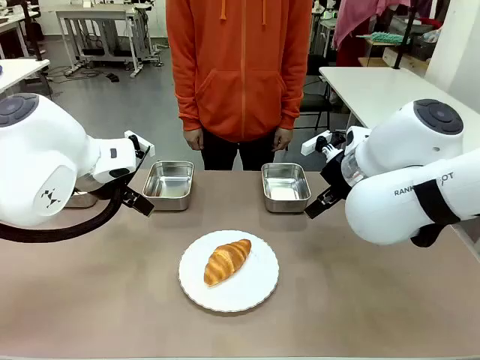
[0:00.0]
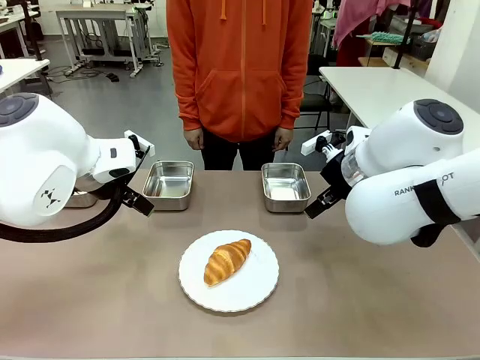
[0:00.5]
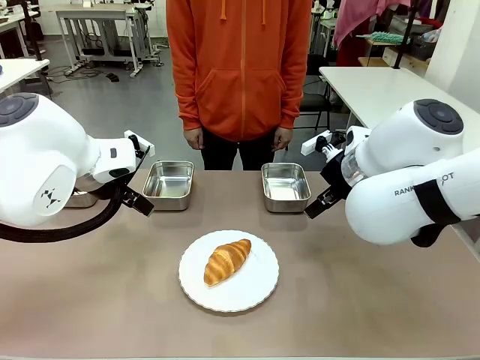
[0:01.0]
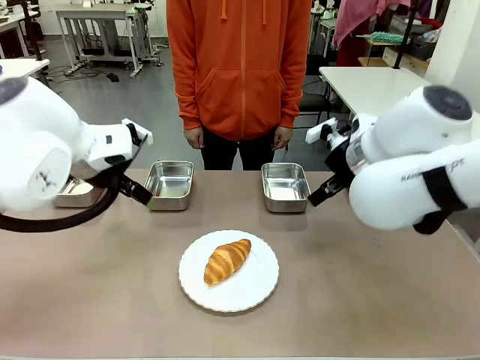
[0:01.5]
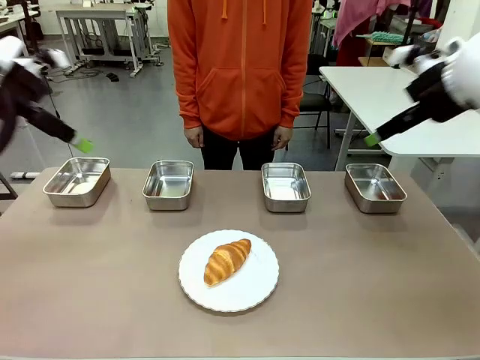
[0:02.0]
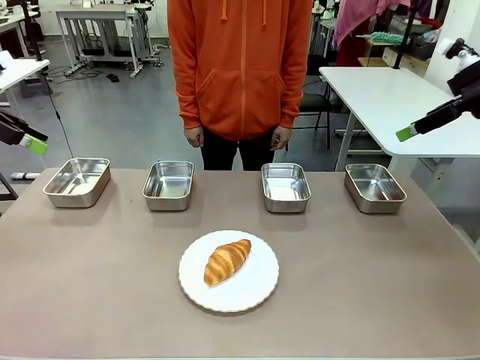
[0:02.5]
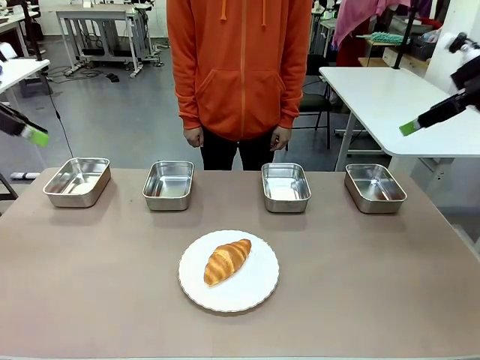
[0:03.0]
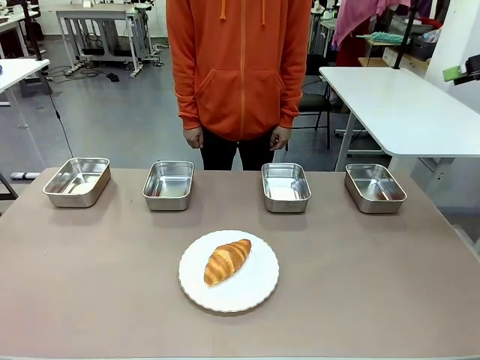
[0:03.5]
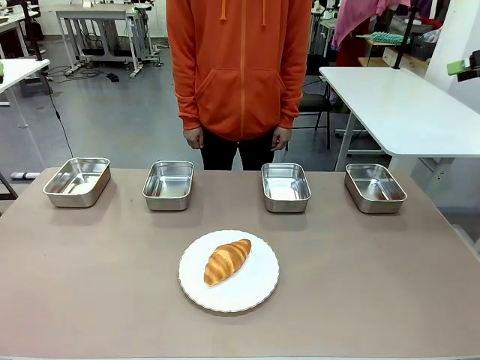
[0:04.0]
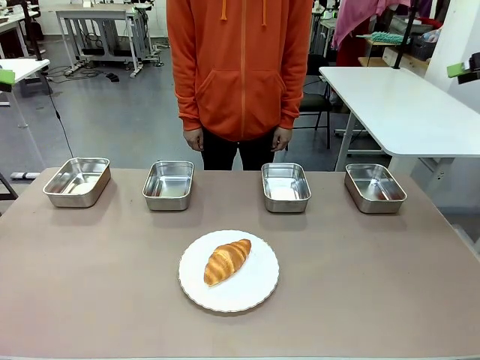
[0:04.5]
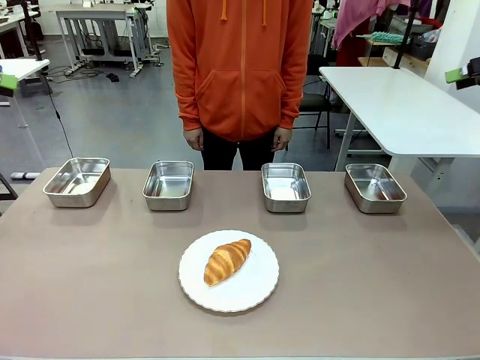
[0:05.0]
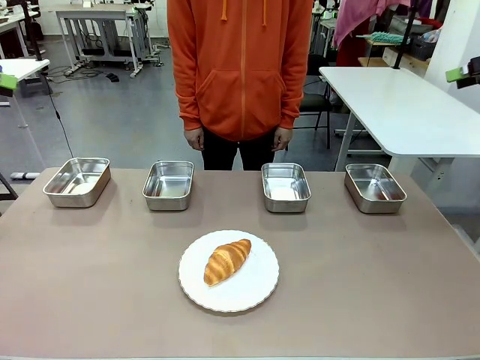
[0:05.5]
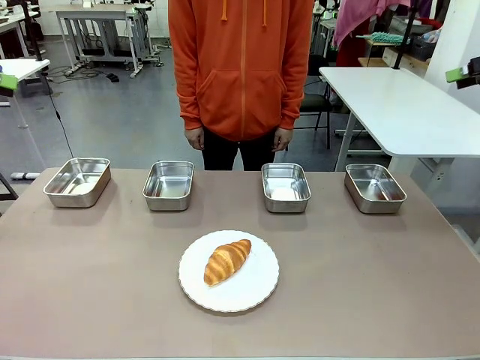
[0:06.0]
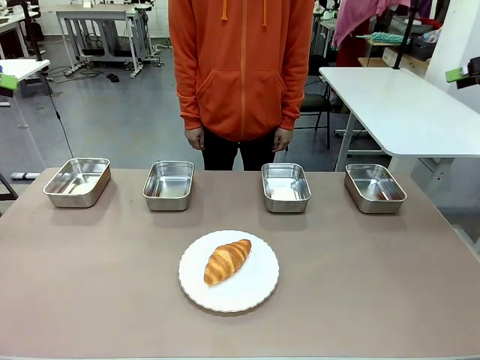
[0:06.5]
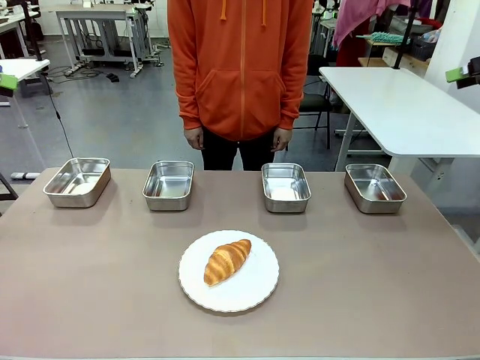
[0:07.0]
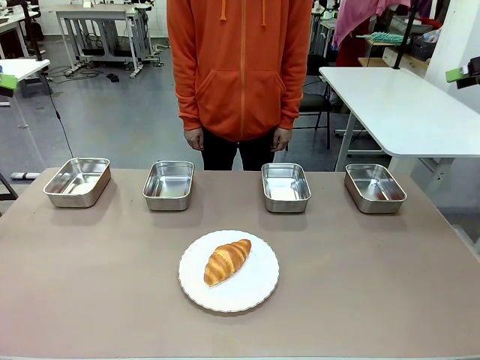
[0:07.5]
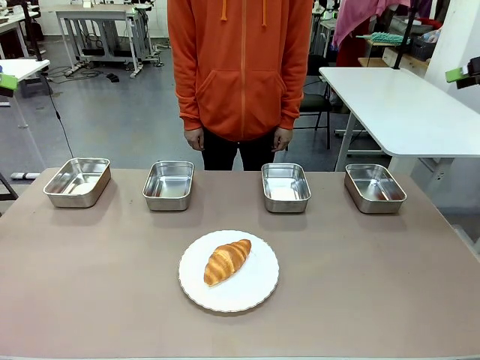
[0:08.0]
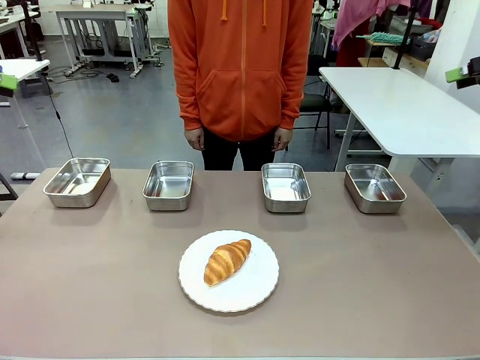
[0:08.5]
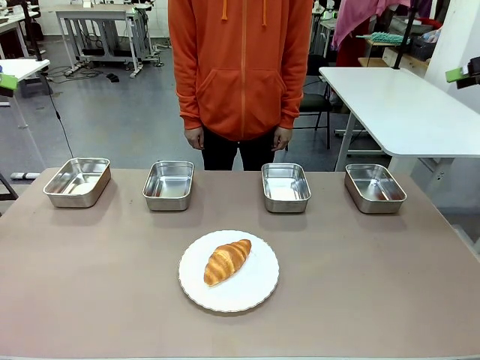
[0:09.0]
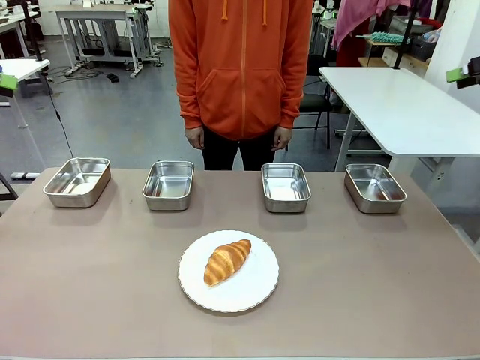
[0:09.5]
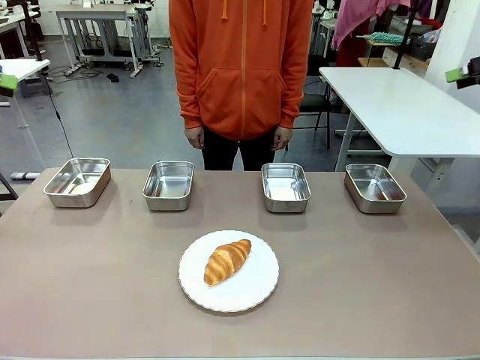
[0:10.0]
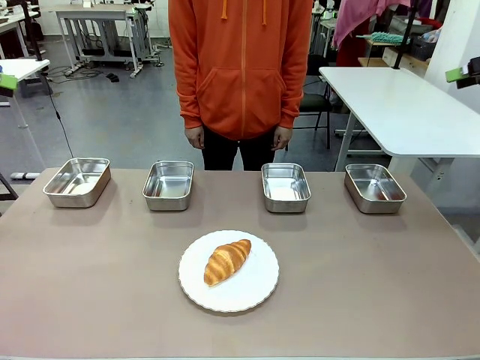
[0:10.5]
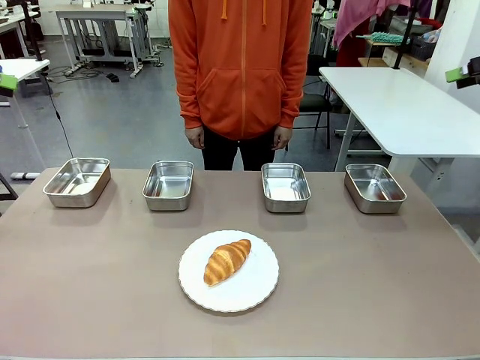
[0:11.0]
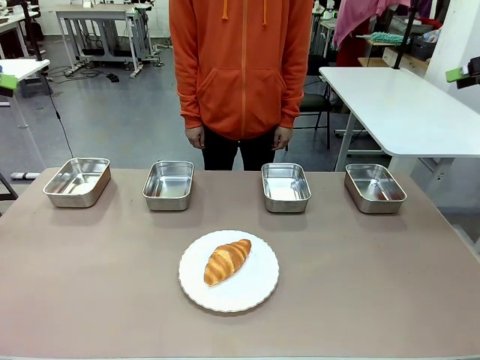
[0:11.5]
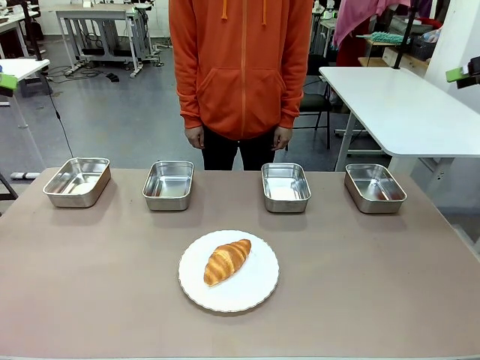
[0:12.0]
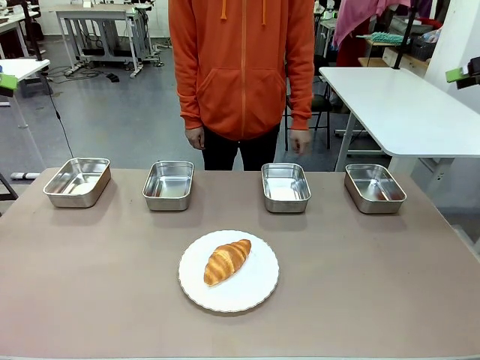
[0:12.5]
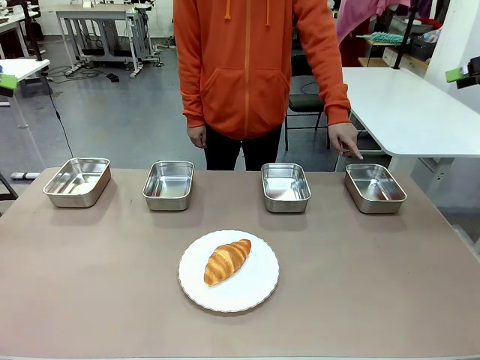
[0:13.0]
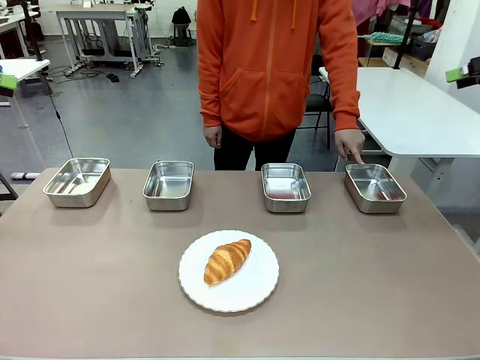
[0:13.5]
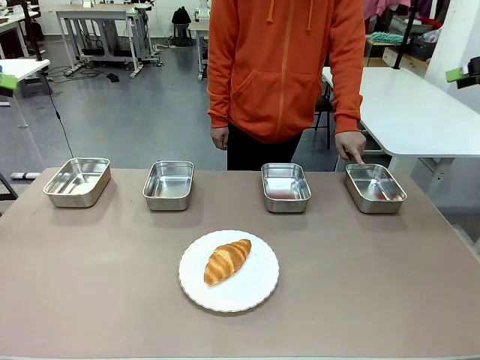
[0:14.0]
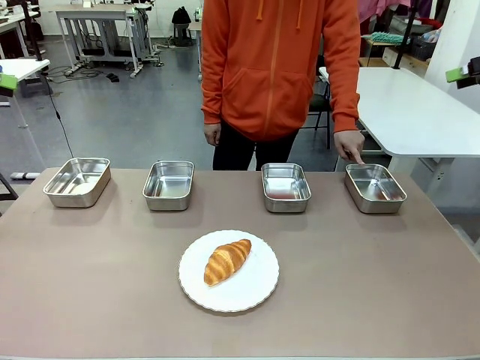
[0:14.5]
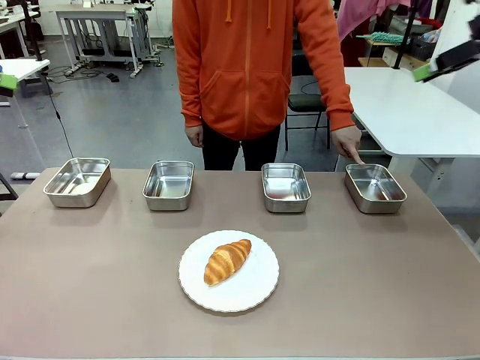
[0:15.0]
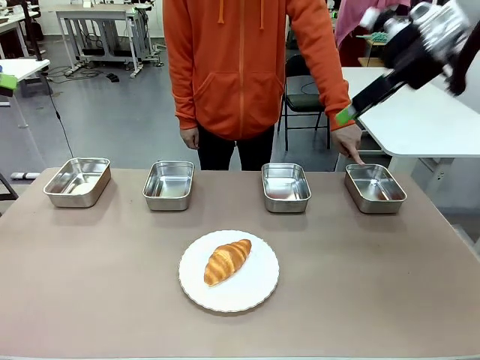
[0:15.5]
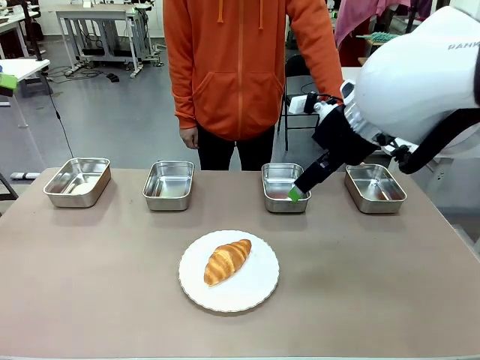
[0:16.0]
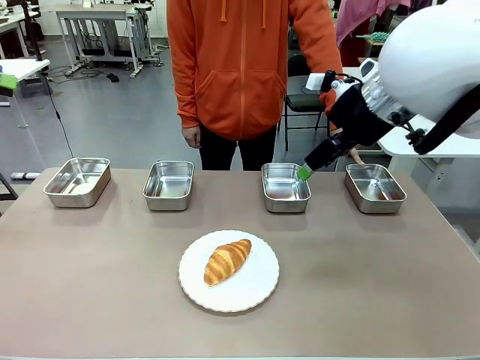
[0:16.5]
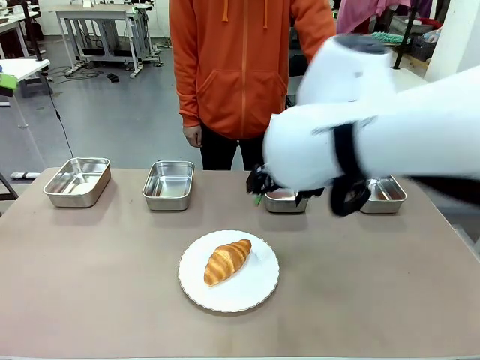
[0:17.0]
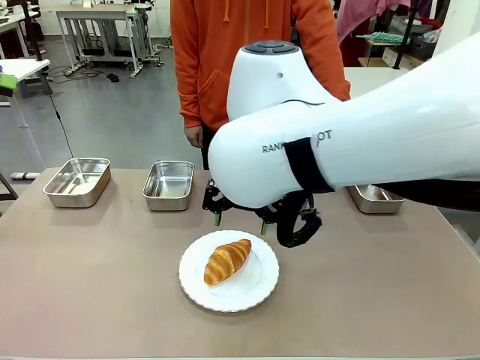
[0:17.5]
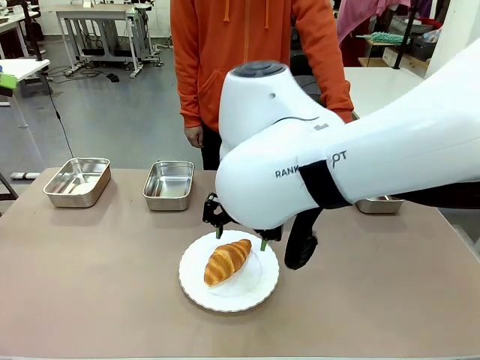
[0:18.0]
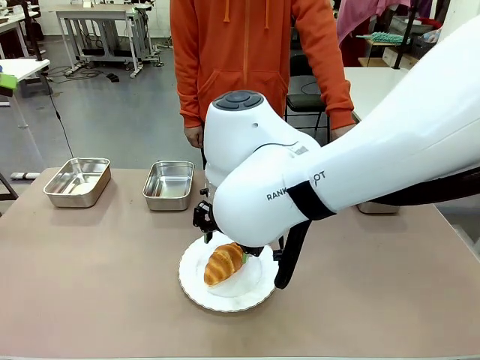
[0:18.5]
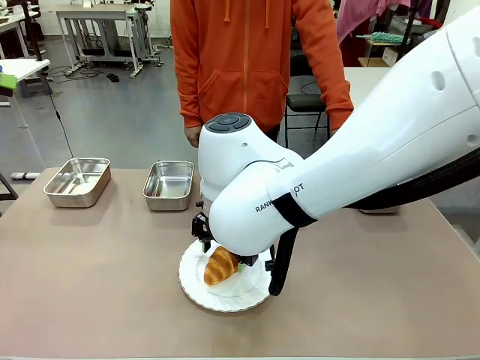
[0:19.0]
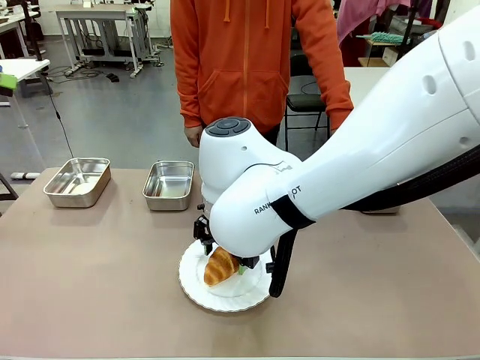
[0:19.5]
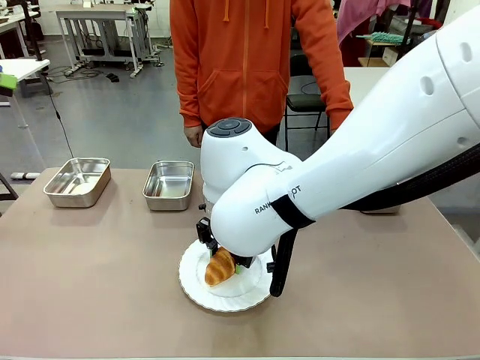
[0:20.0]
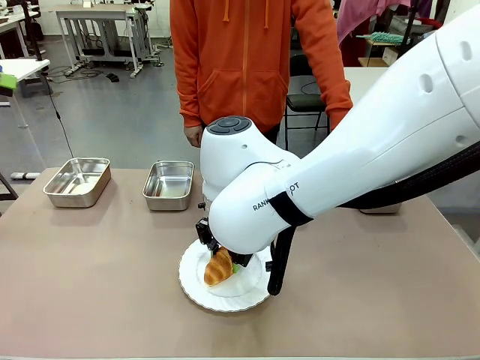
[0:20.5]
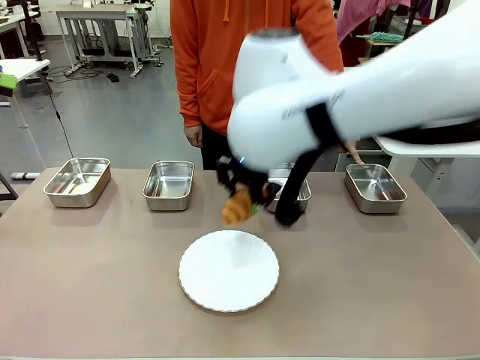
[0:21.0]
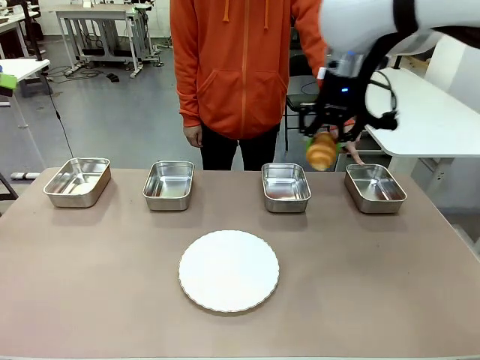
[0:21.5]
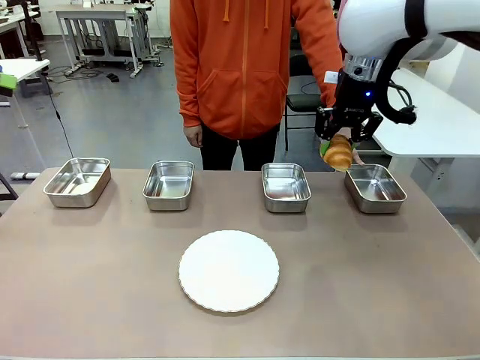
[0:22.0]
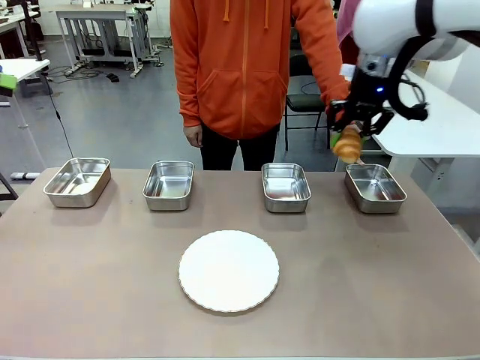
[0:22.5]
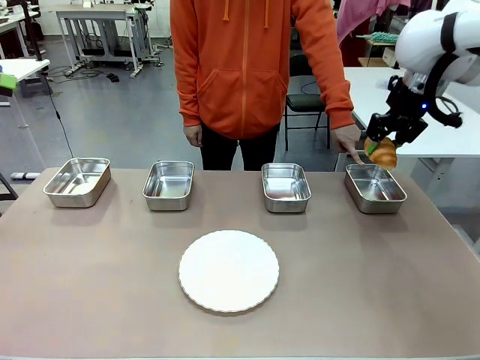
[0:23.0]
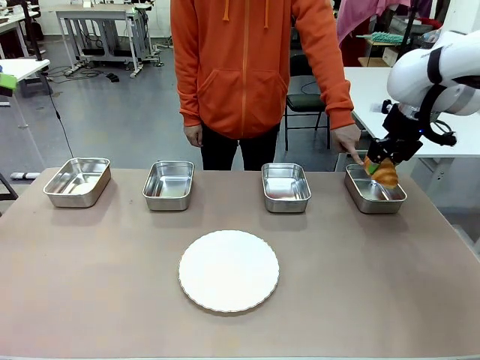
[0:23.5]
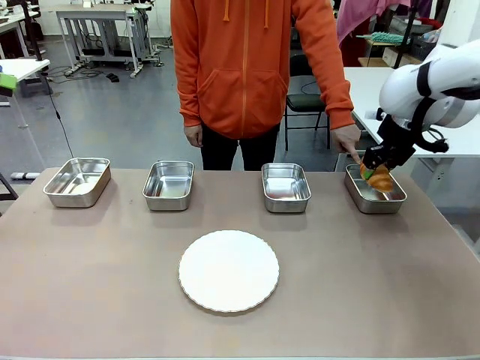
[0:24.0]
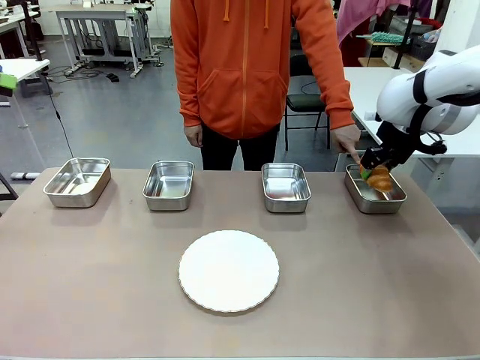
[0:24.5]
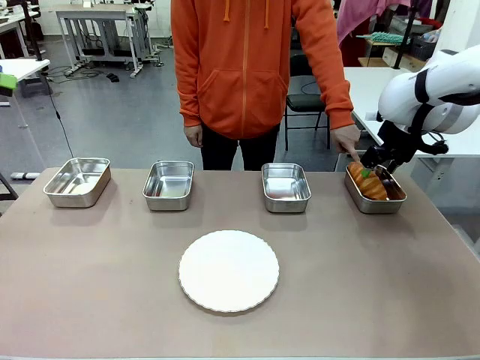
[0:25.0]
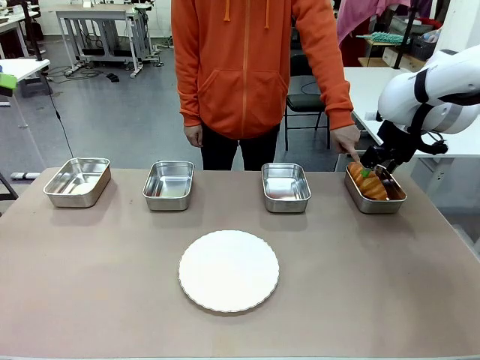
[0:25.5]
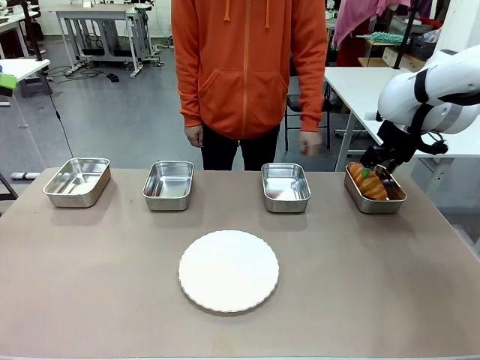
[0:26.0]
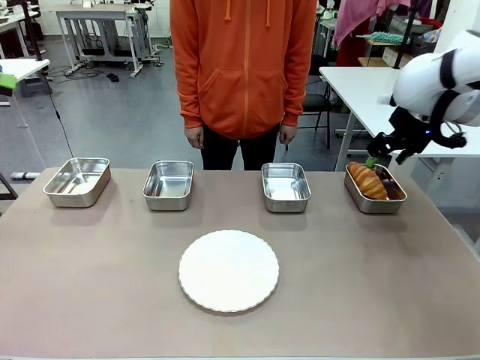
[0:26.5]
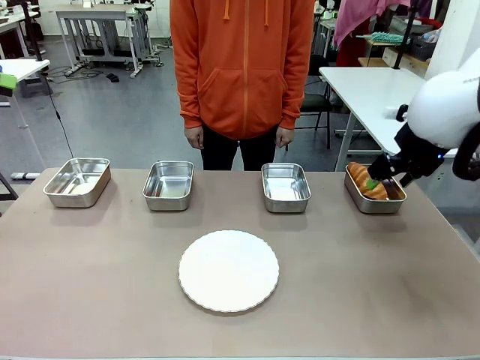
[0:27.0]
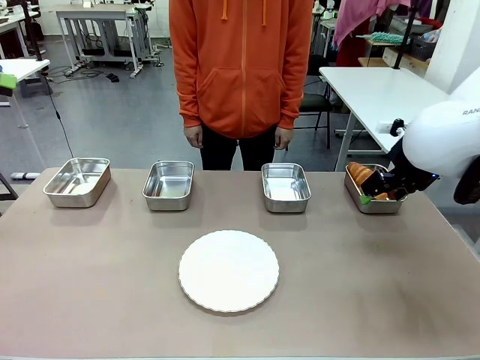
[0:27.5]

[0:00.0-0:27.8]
Task: Place the bread in the container.
Robot: Place the Butter Roll into the Airtight Container indicated by the human.
Person: A person randomly selects and points to an Airtight Container.
